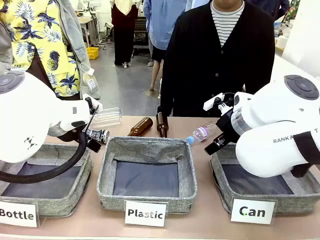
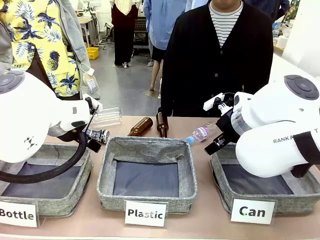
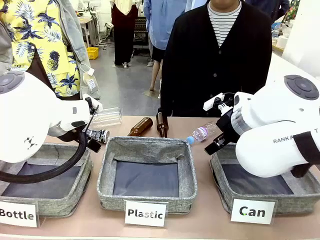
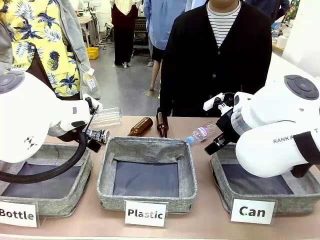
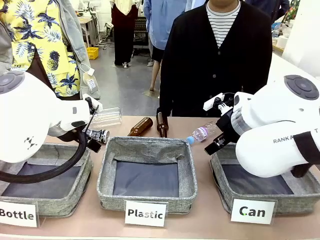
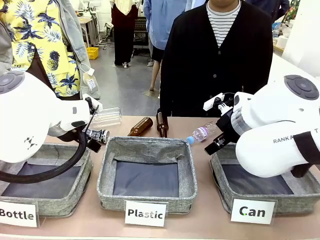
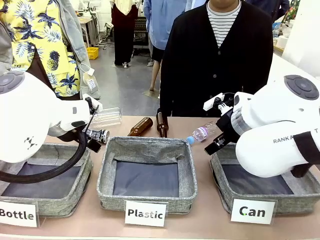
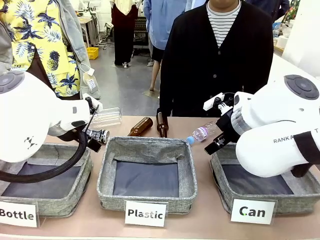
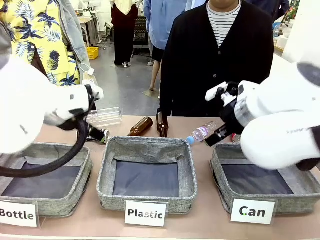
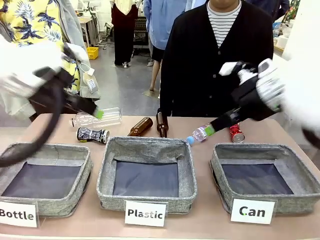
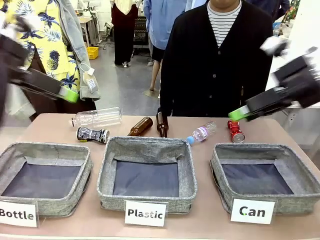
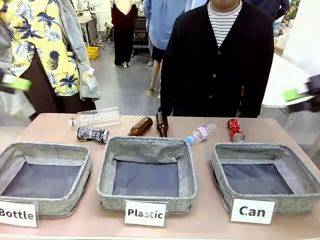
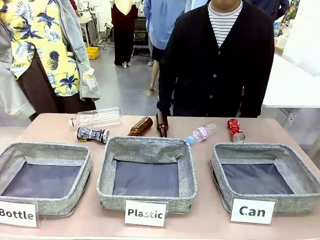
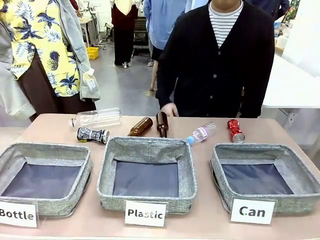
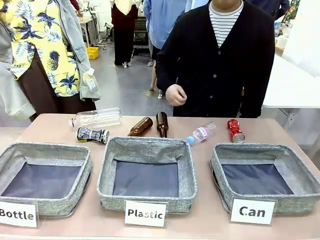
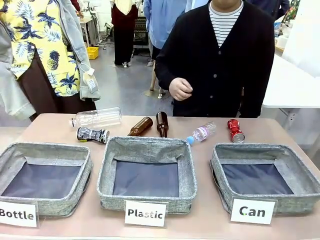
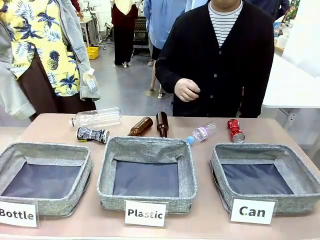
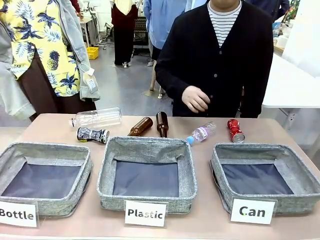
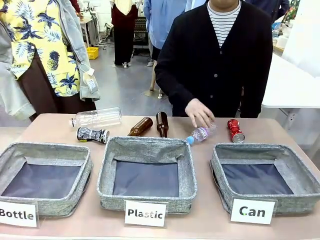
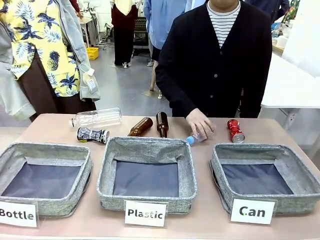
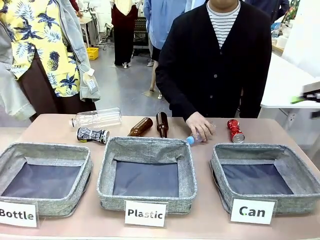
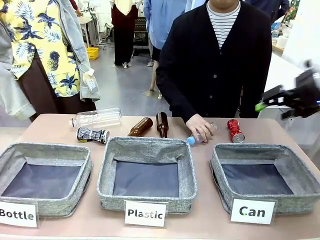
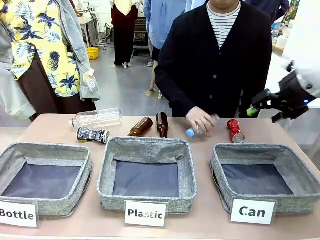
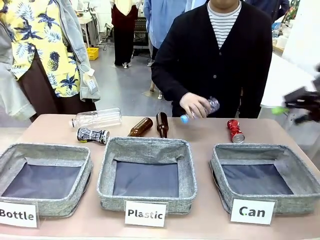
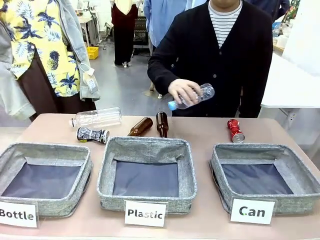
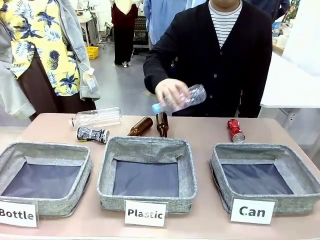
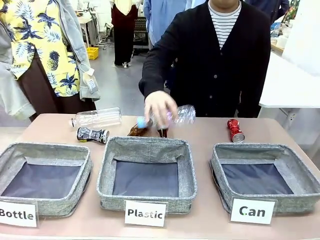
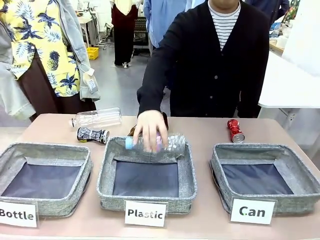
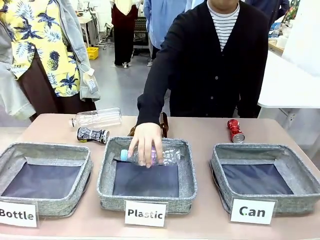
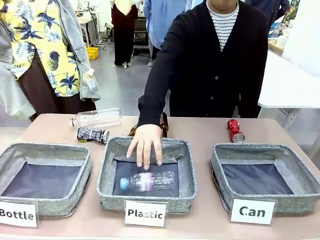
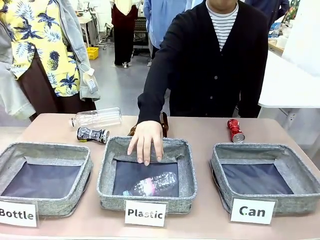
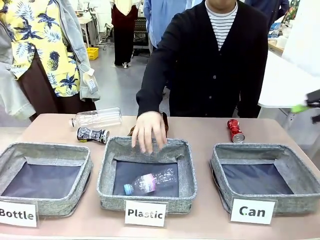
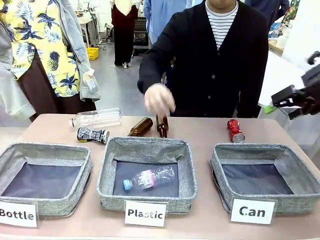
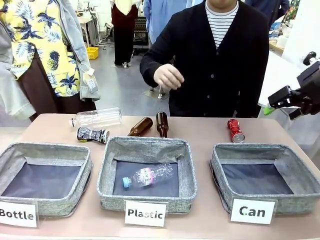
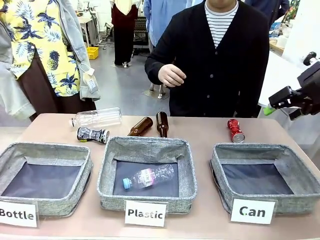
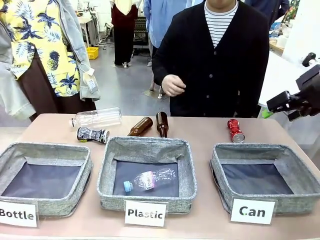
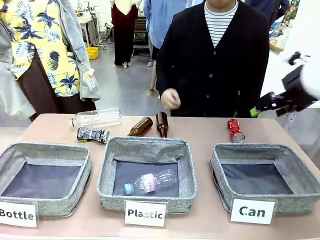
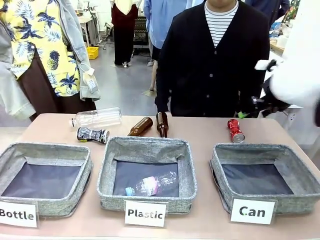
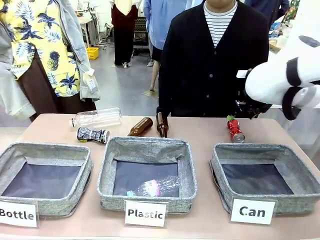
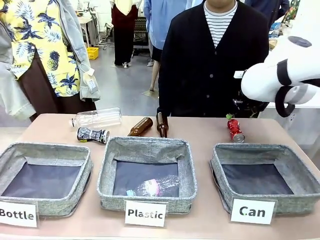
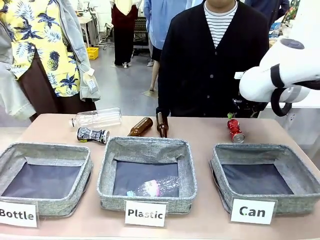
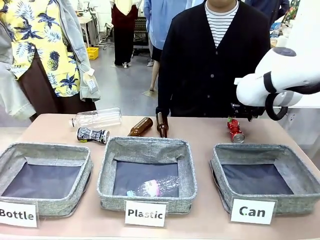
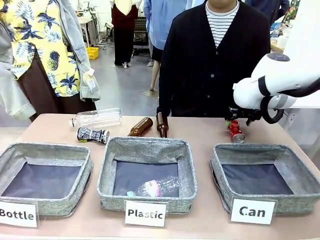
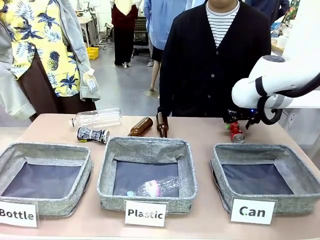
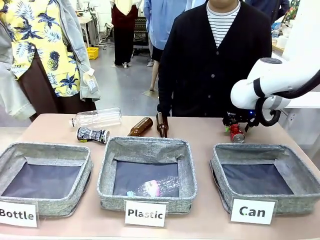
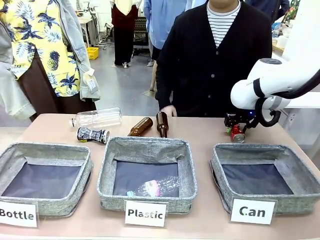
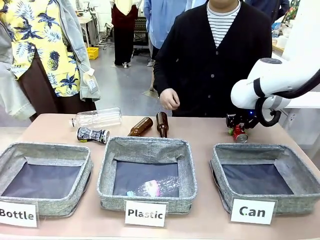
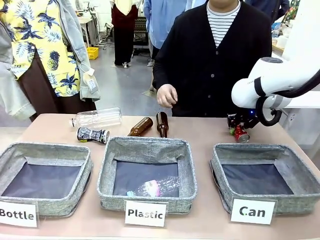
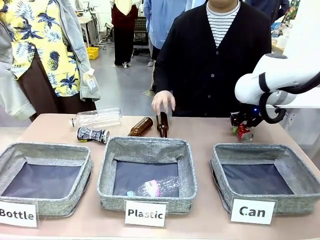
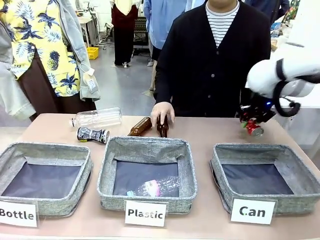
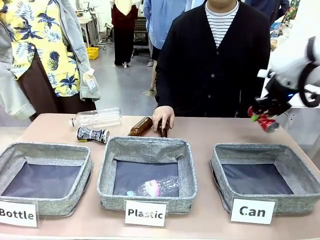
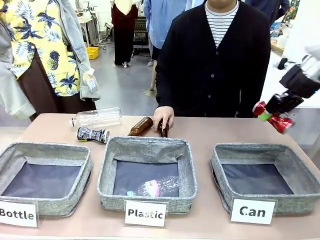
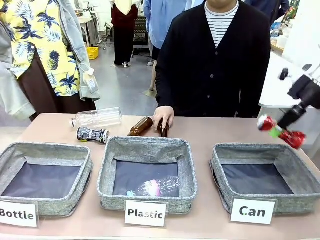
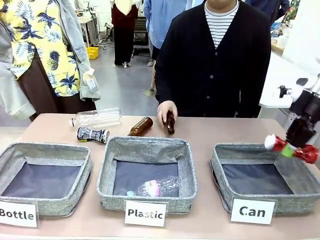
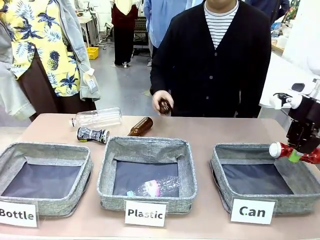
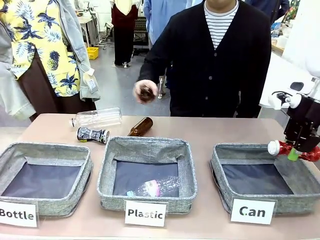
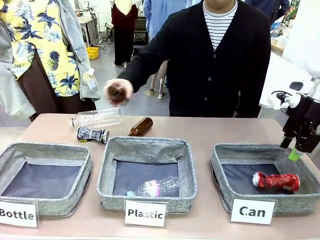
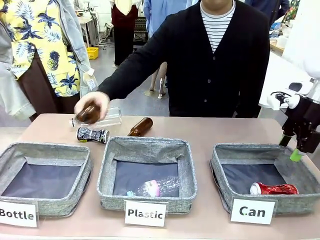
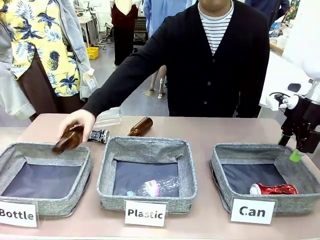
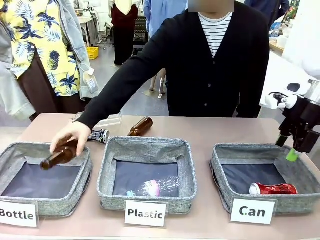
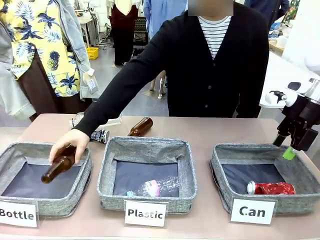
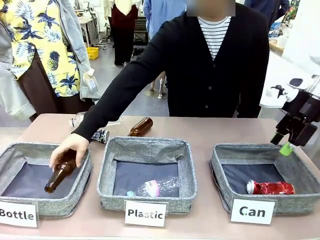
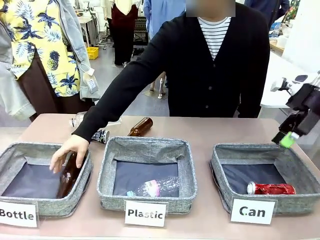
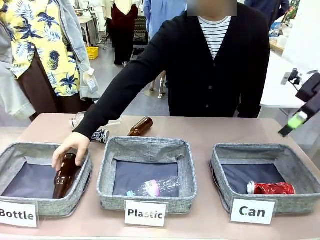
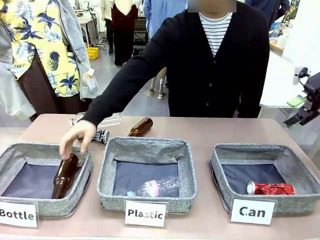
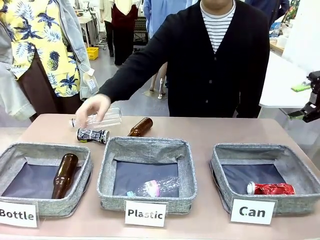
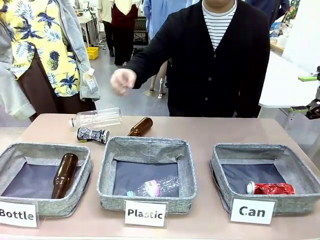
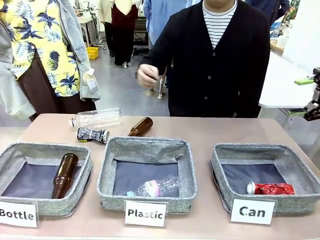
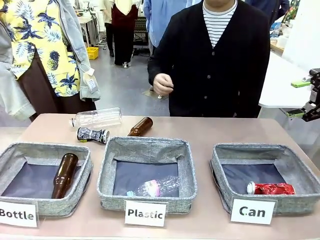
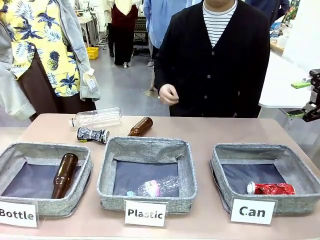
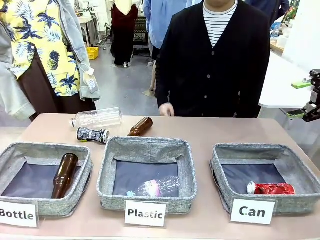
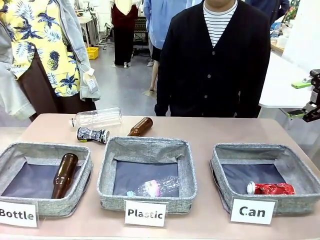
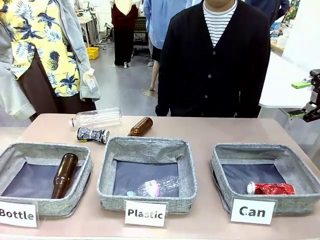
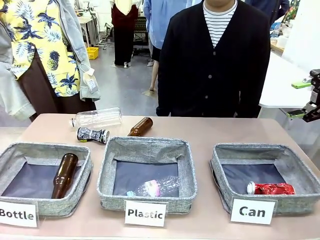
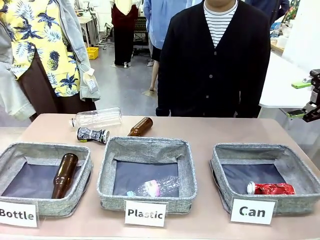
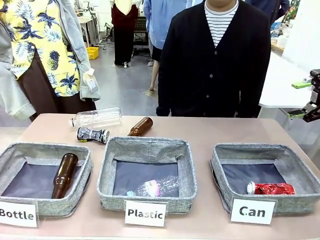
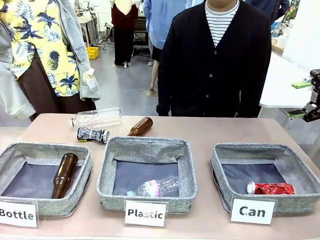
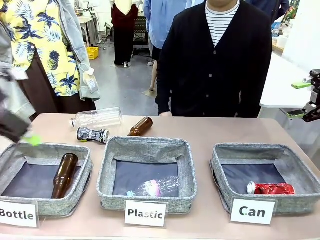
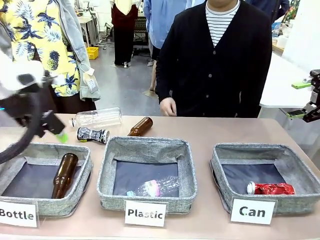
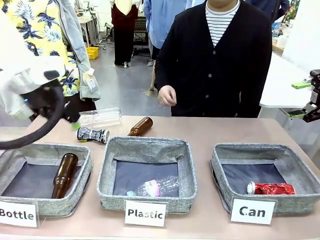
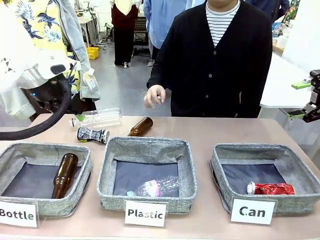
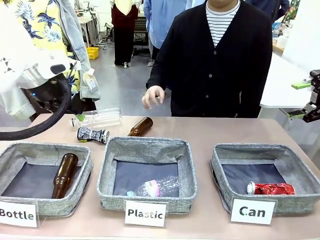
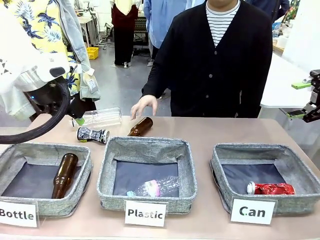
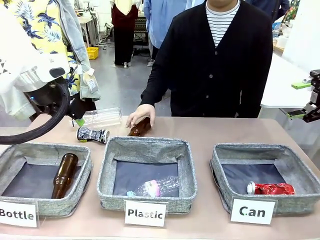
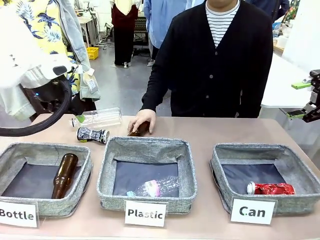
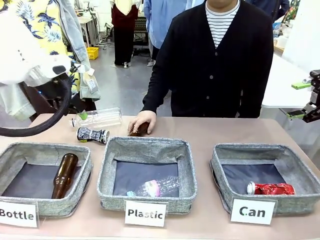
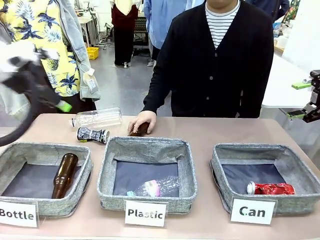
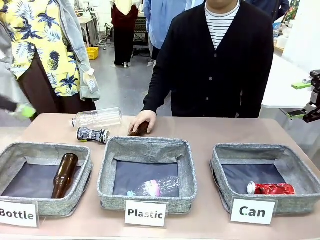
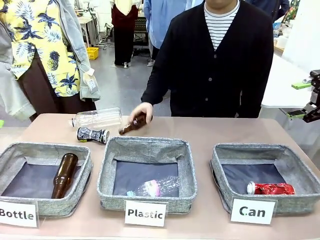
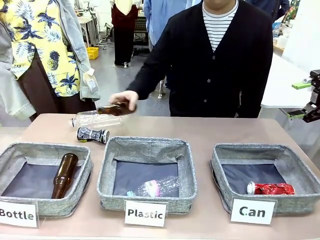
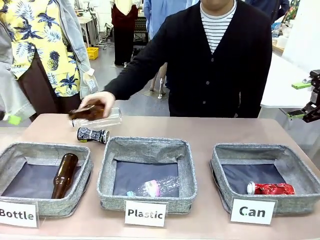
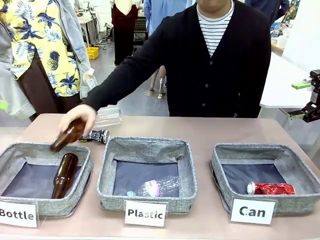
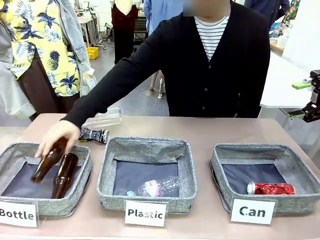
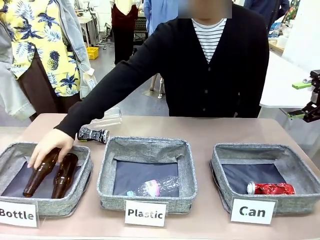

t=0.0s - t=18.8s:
Task: Sort the can waste into the basket.
Robot: Pick up the can waste from the table and place it in the right Fabric basket.
